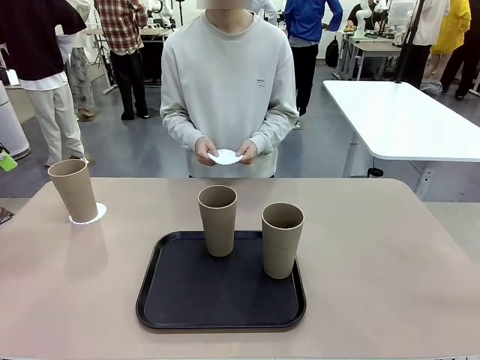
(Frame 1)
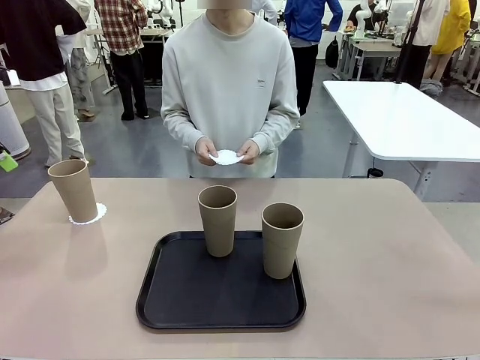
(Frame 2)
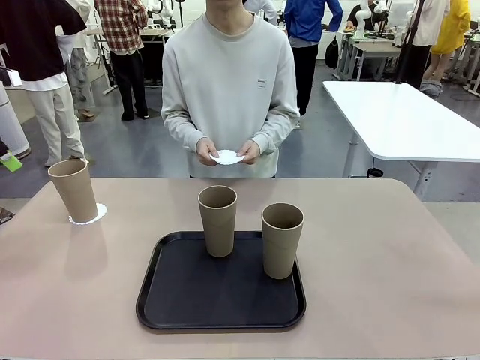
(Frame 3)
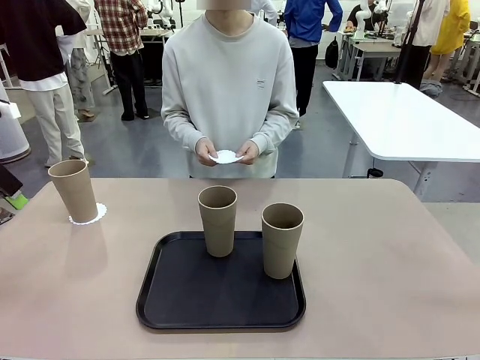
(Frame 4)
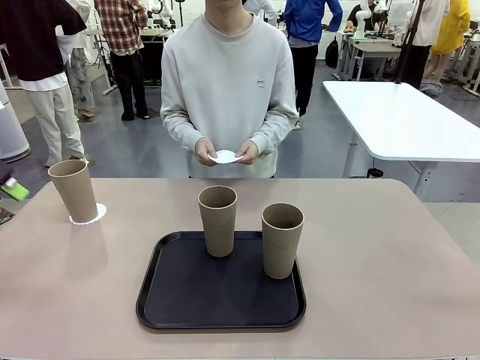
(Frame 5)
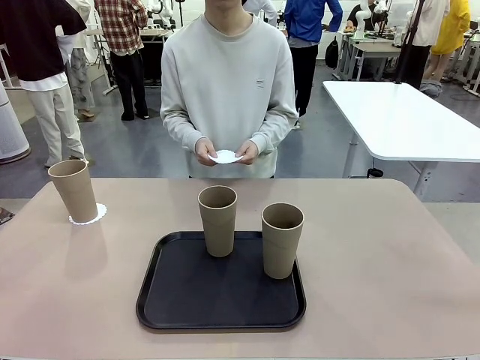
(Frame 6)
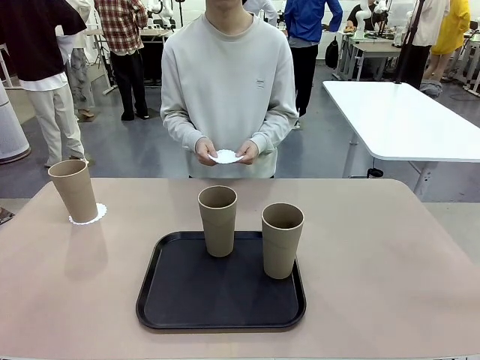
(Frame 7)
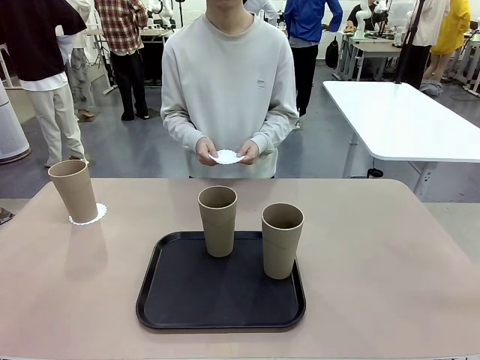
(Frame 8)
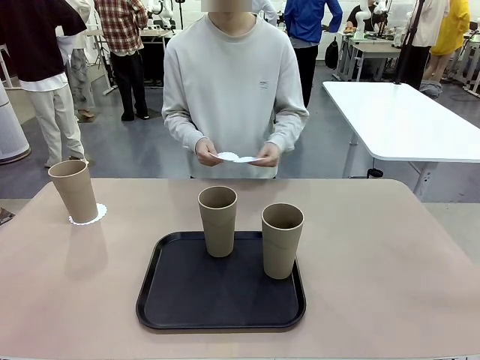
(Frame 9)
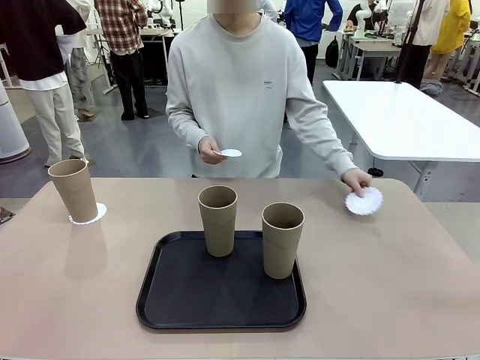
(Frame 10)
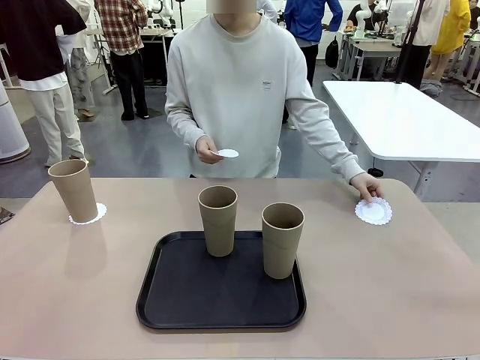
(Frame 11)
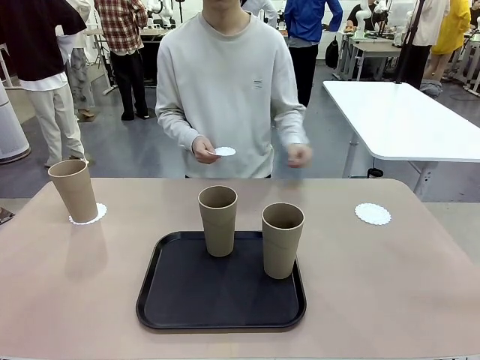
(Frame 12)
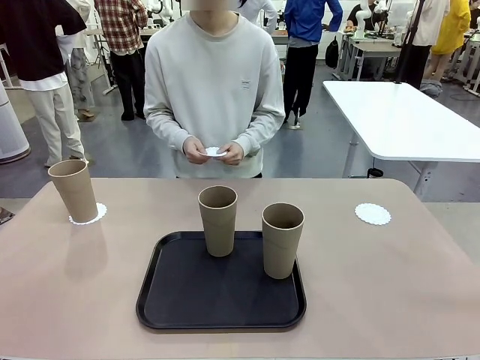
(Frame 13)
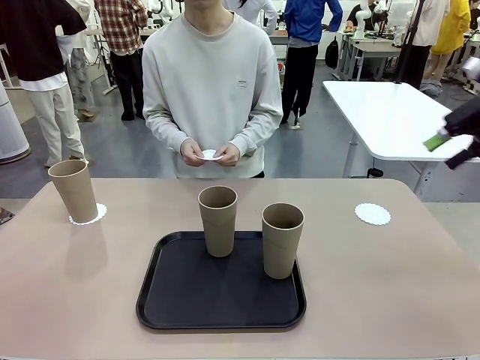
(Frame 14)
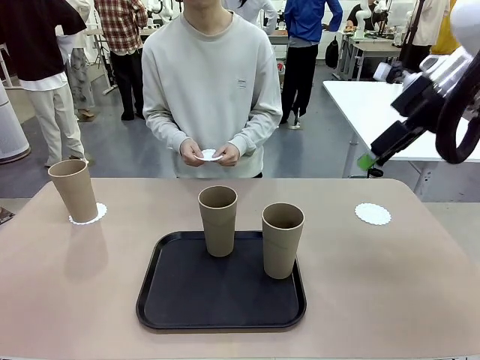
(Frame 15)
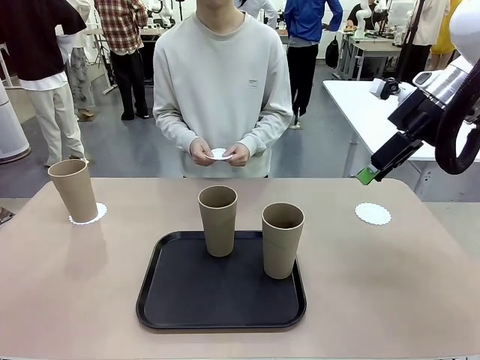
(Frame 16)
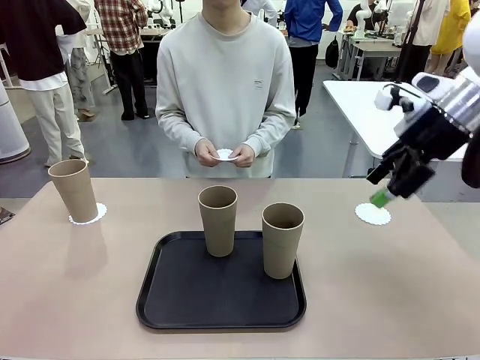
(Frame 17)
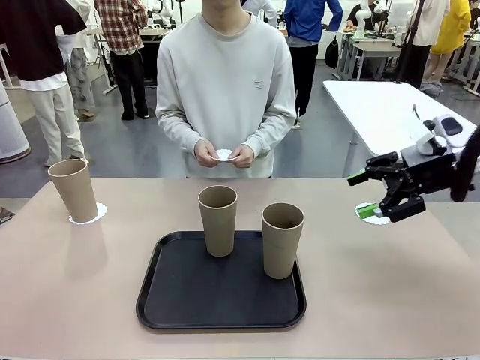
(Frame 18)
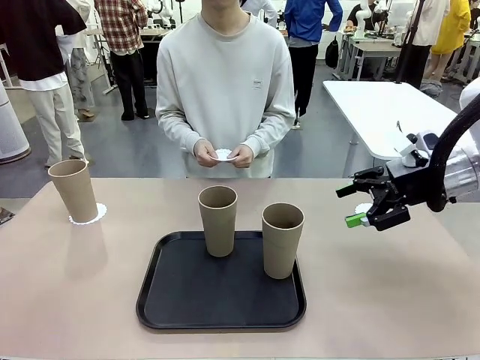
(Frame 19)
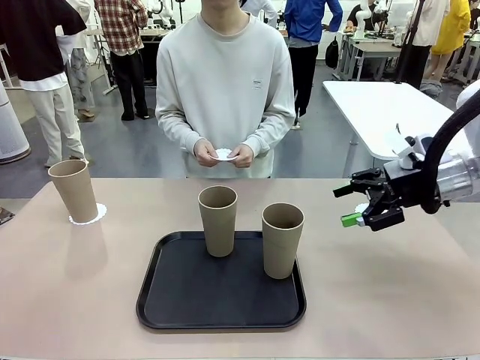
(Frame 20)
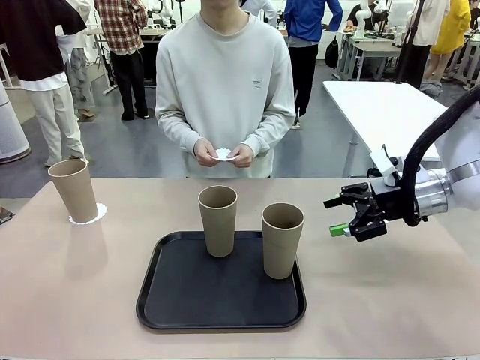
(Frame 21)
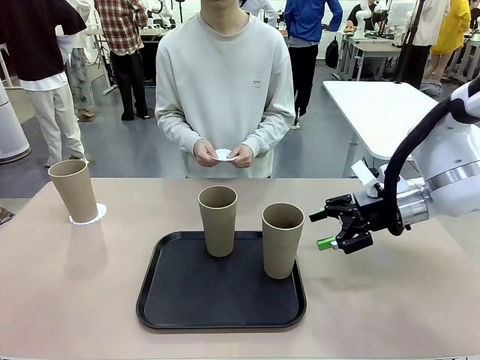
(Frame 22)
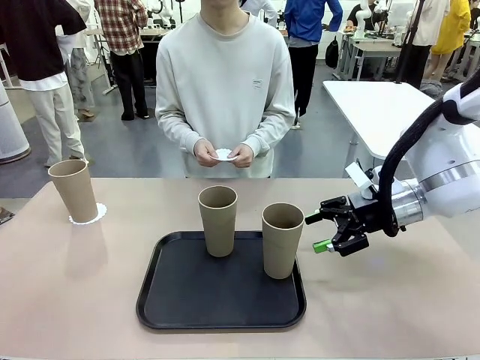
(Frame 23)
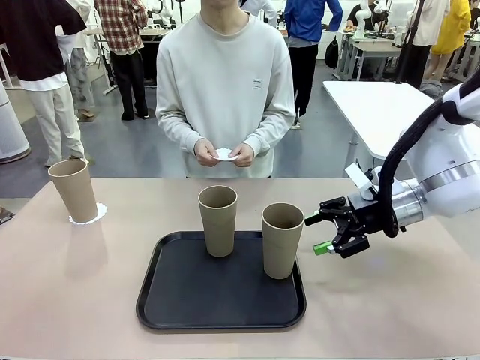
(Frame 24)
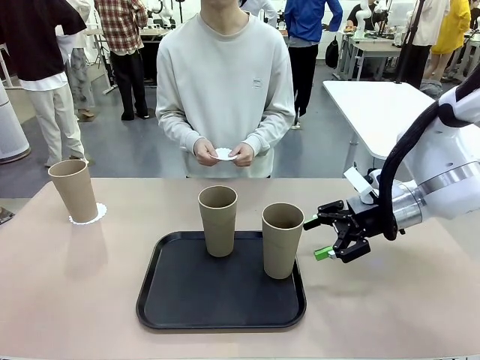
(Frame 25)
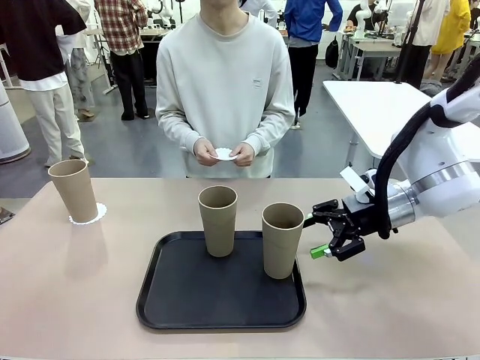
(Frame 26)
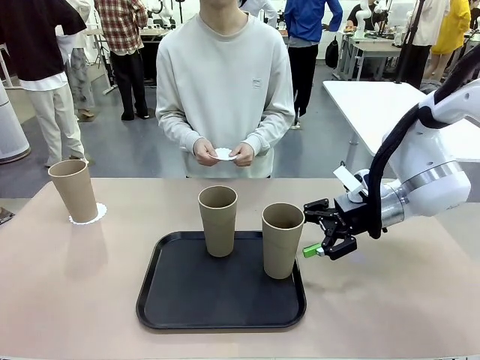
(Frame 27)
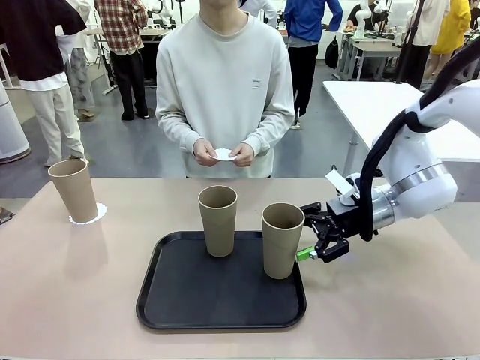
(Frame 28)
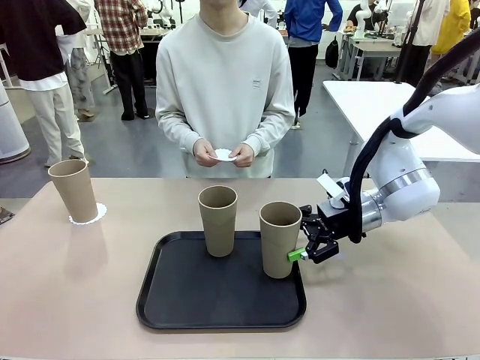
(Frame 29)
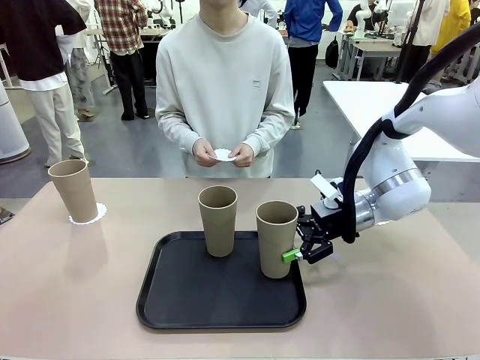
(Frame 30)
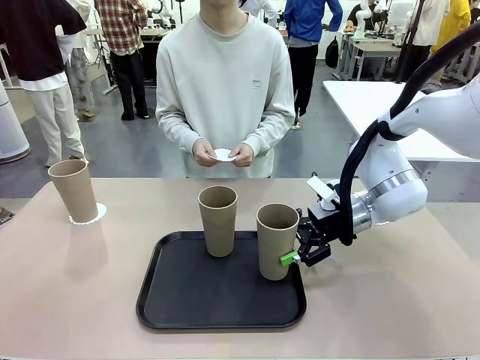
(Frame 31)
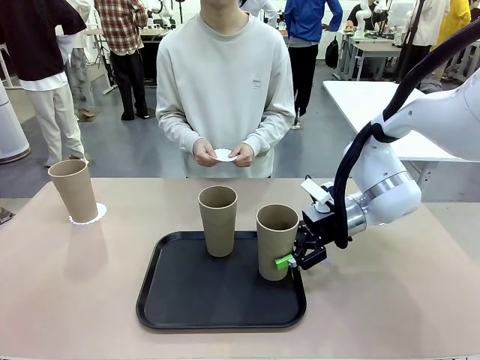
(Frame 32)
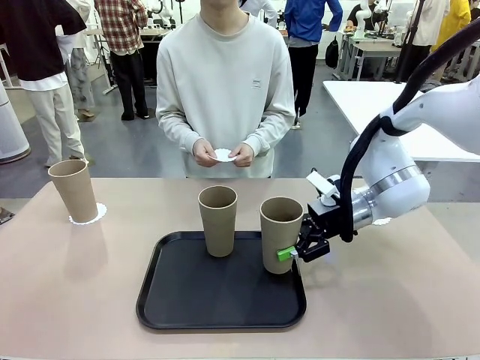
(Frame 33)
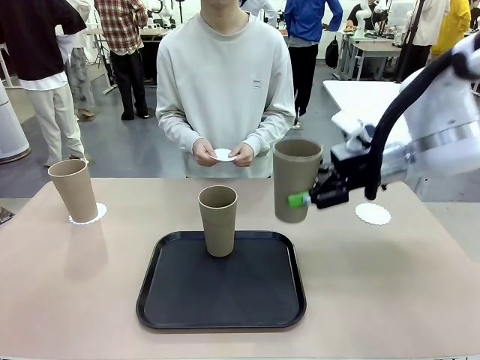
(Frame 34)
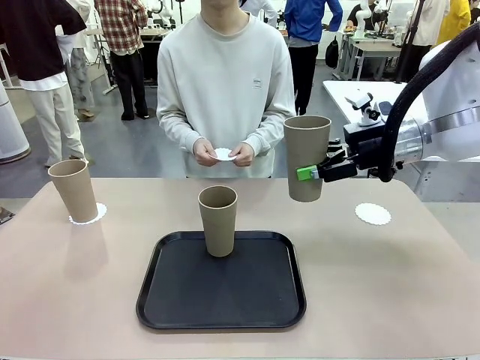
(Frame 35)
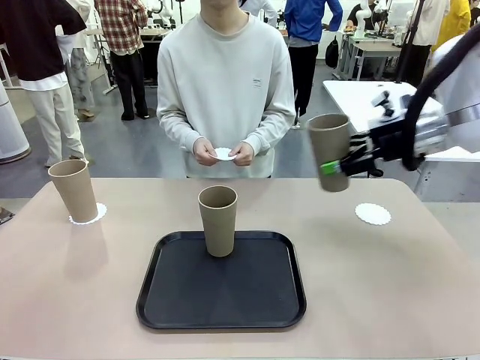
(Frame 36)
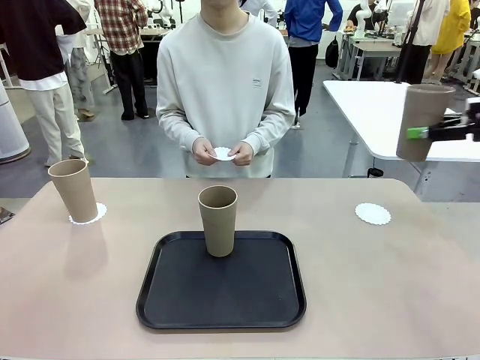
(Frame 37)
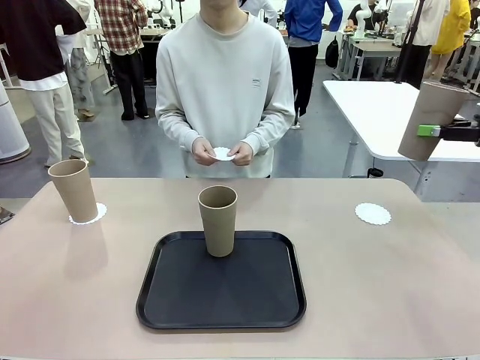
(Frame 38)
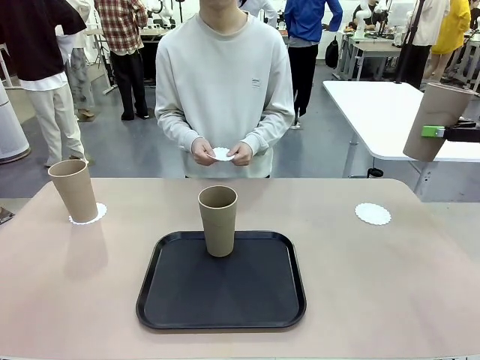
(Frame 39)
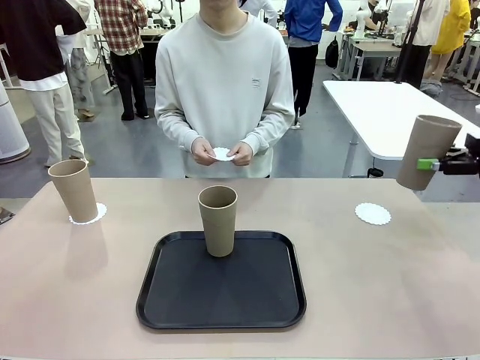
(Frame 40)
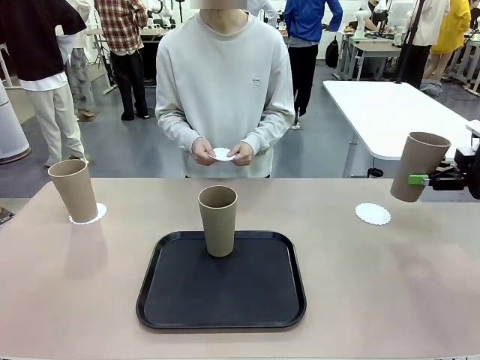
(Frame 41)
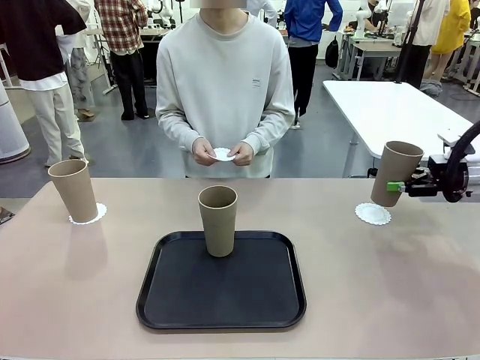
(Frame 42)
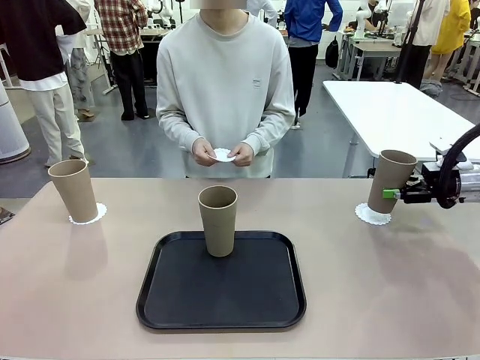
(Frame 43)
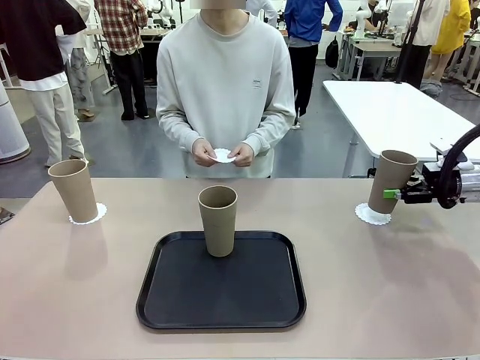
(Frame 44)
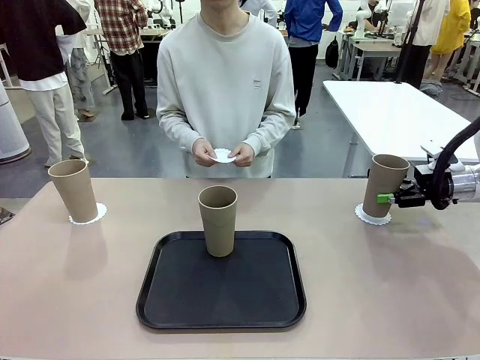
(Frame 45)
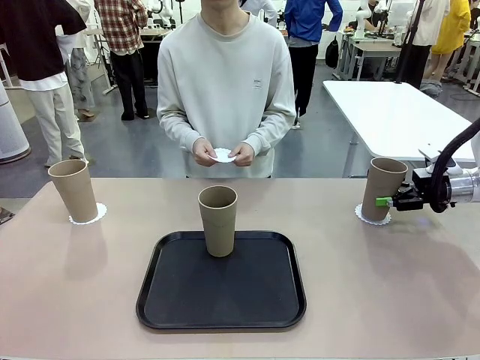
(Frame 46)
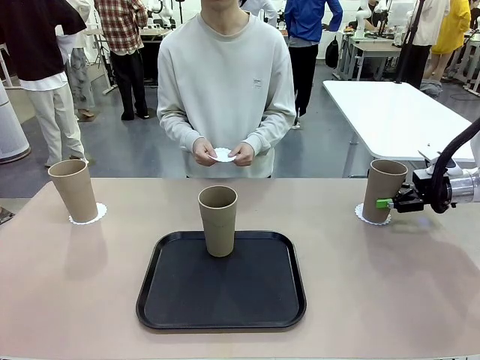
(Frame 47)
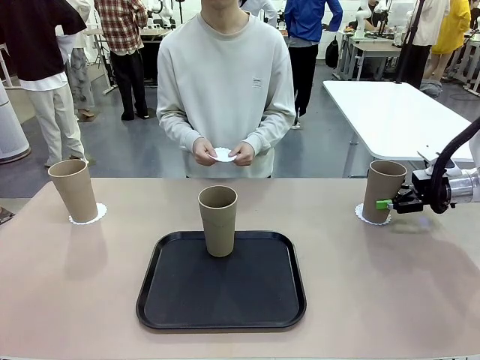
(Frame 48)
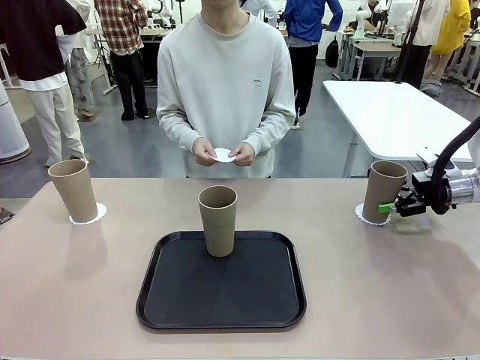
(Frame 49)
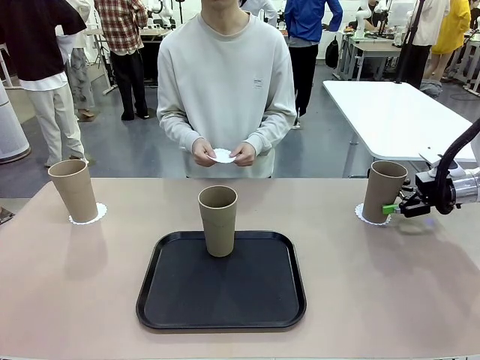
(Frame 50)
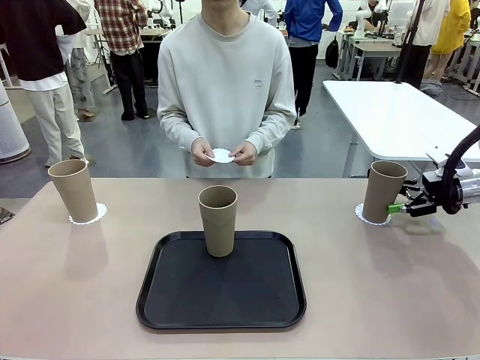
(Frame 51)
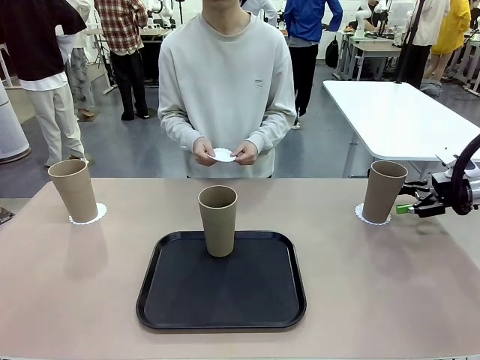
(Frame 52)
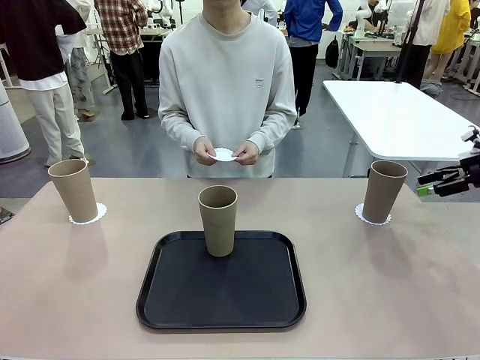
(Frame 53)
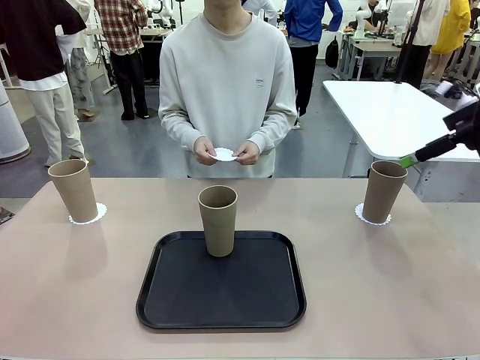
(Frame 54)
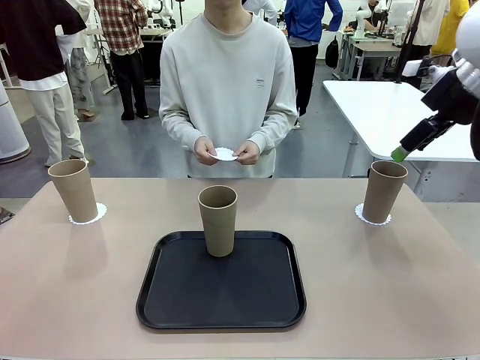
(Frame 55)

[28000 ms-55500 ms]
Task: Place coasters on the table and set cups on them.
Robot: Take one Reusable plastic cup from the Flat Tray and place it on a coaster set by the human.
